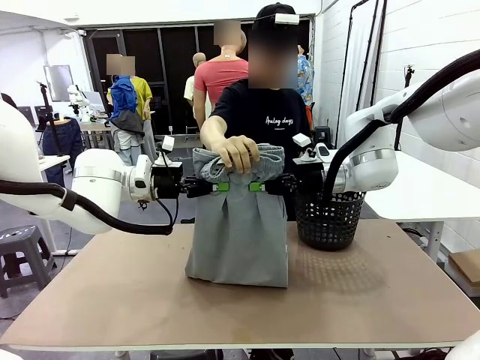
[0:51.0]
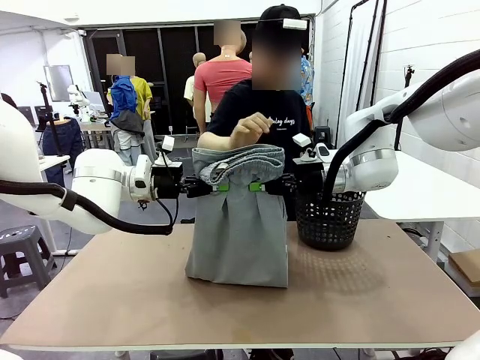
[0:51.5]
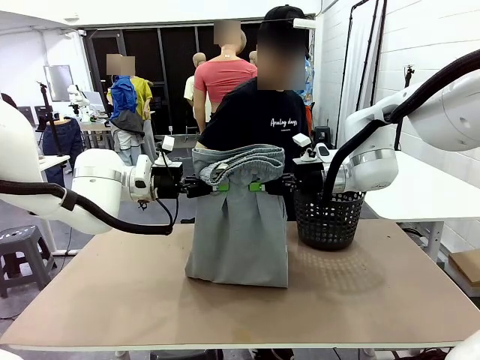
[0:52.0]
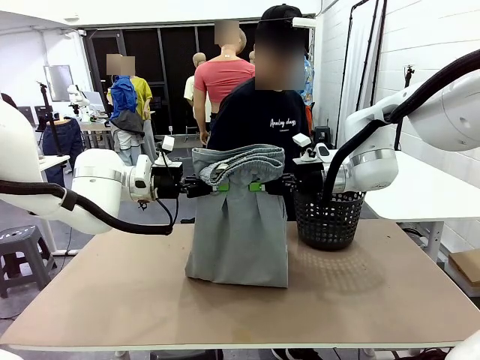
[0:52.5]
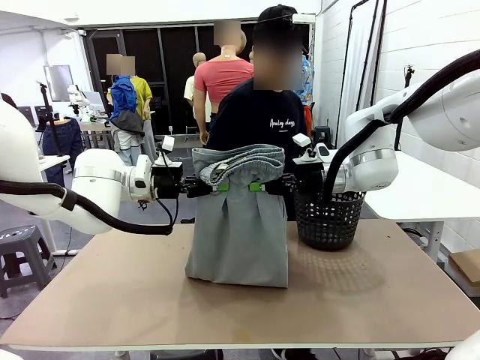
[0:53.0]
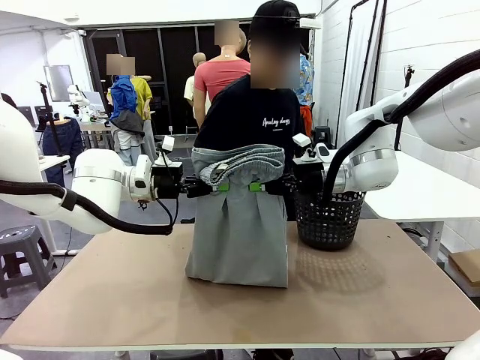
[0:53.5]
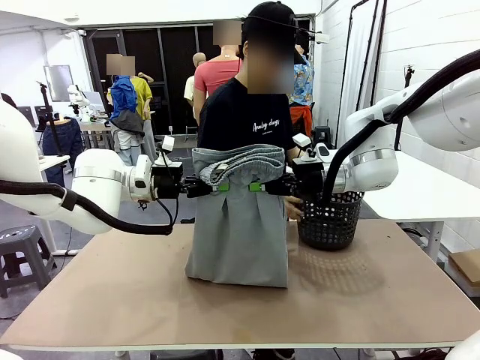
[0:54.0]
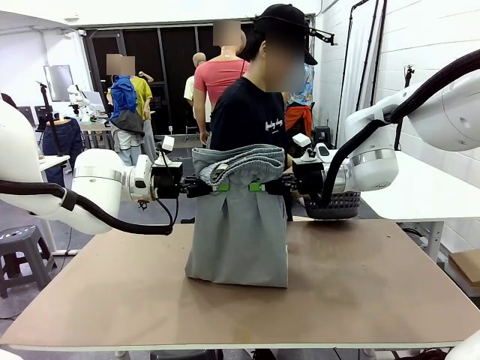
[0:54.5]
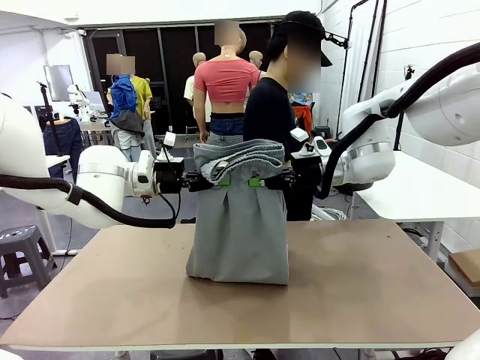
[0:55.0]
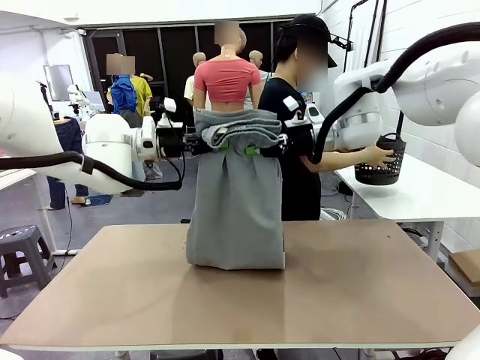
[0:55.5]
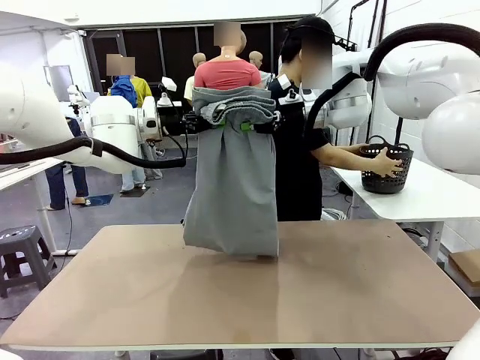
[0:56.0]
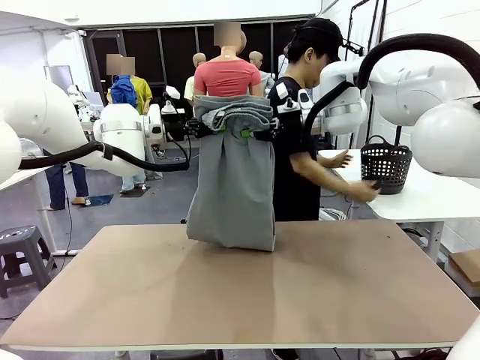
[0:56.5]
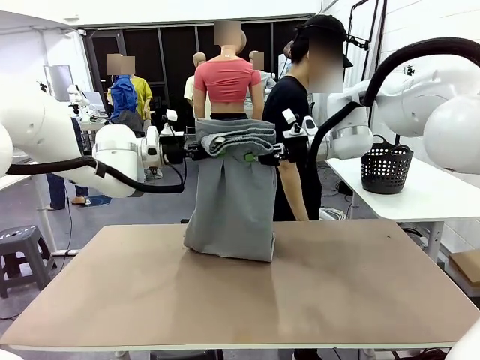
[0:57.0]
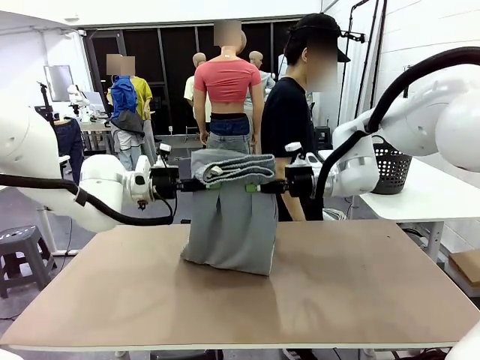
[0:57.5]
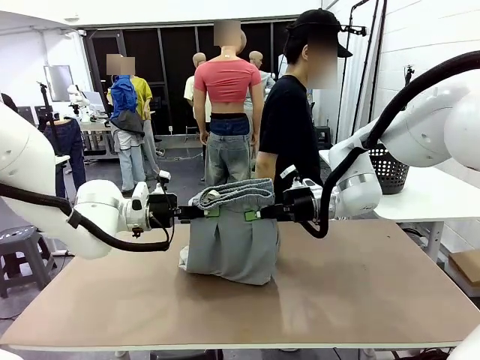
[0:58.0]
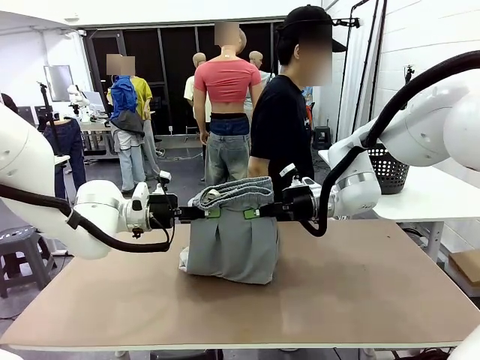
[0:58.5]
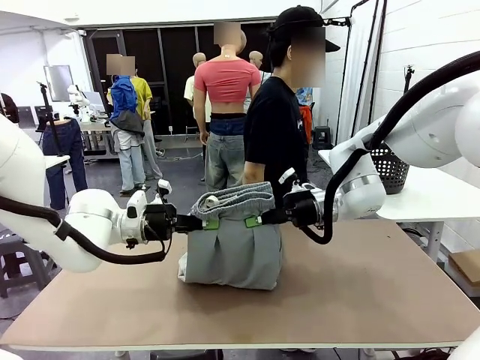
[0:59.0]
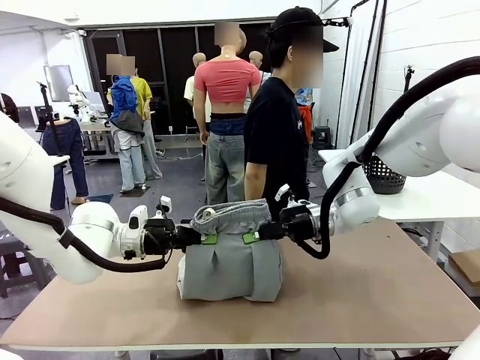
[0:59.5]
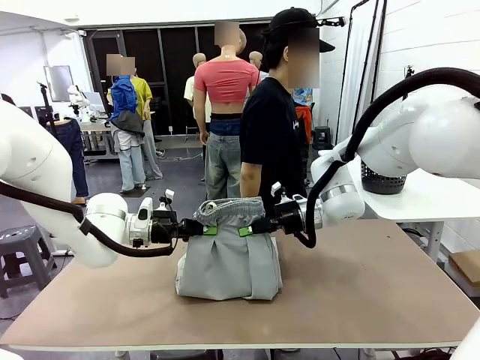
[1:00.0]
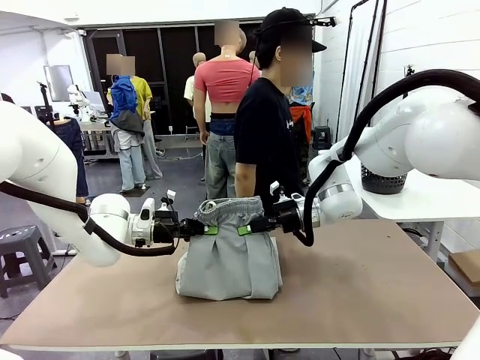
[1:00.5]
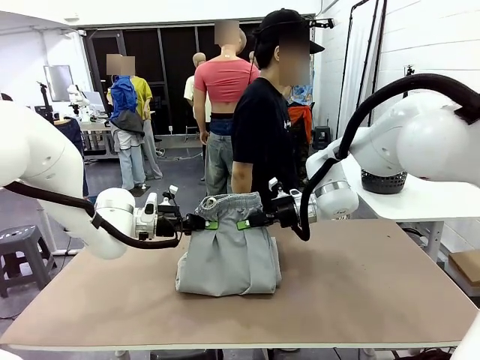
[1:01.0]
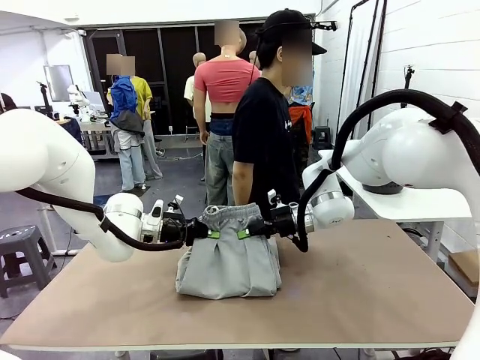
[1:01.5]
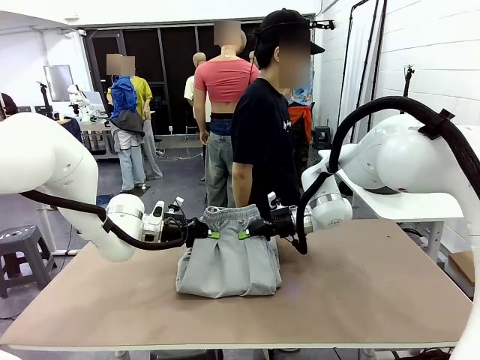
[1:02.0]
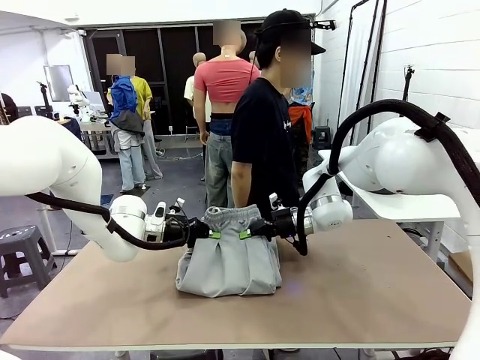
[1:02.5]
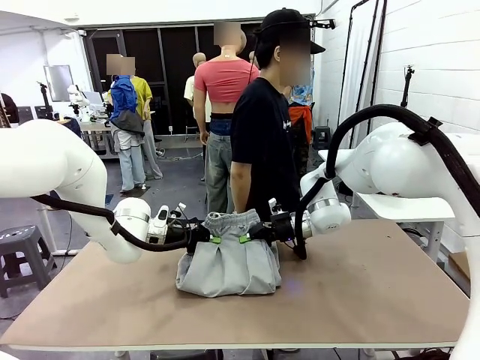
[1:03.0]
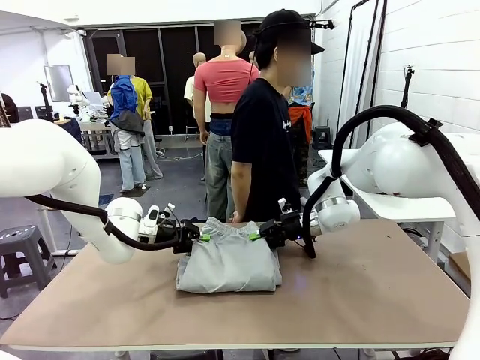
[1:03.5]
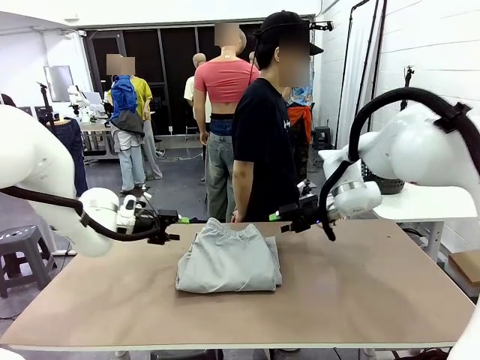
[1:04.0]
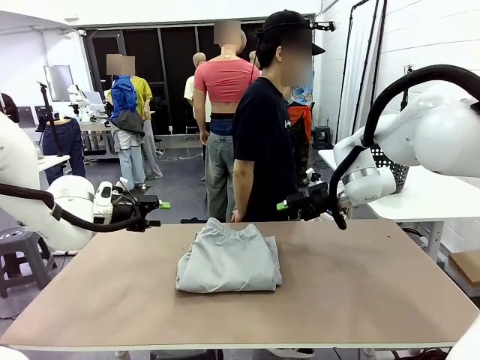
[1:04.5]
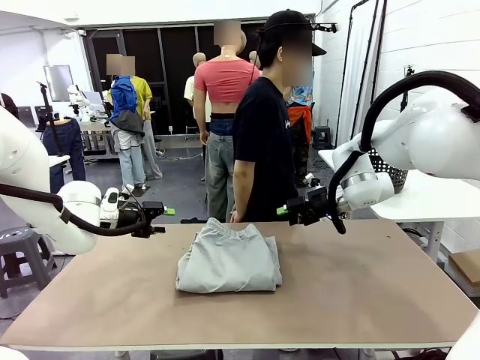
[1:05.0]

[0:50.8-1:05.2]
Task: Fold the training pants.
Robot: Fold the Training pants in half.
Person: Move the laundry basket to the right of the human table.

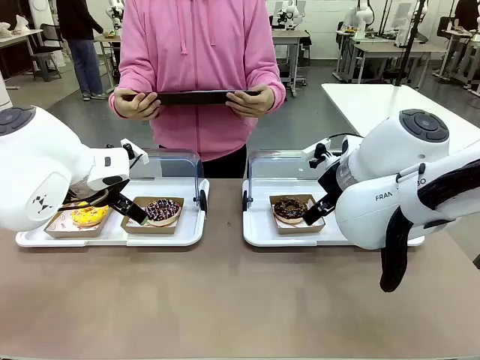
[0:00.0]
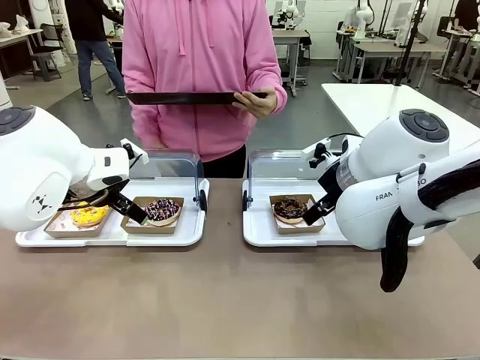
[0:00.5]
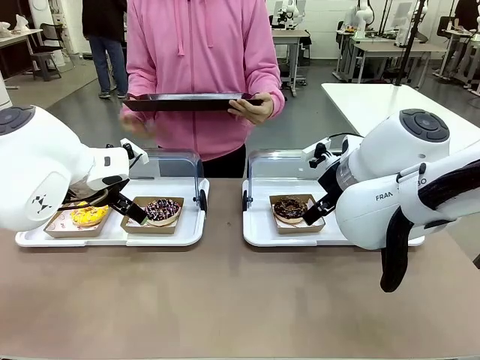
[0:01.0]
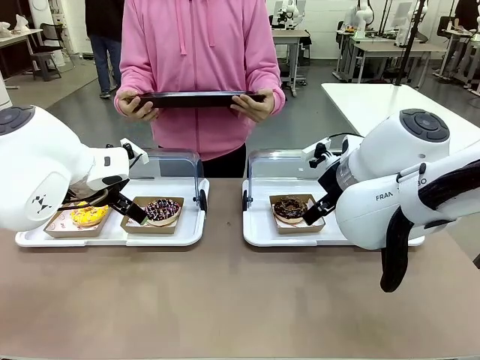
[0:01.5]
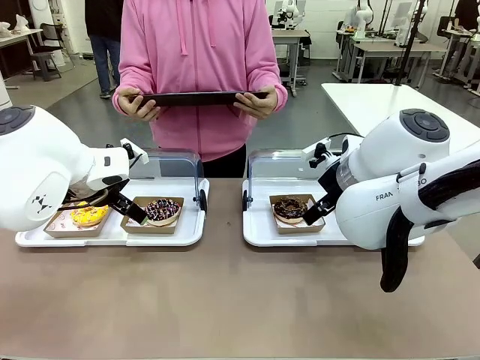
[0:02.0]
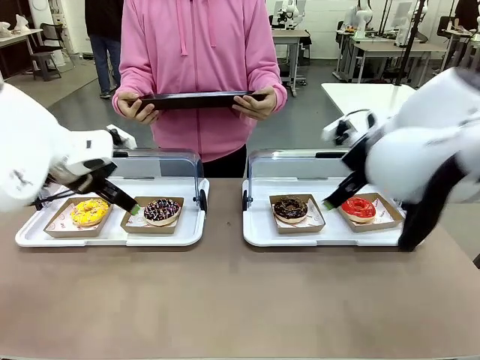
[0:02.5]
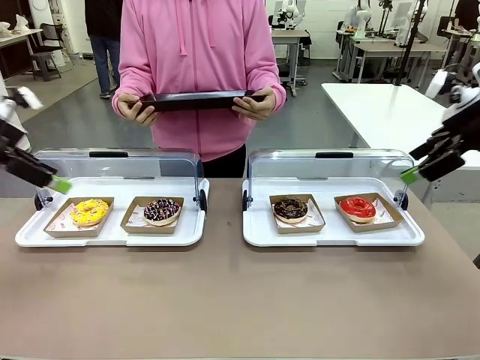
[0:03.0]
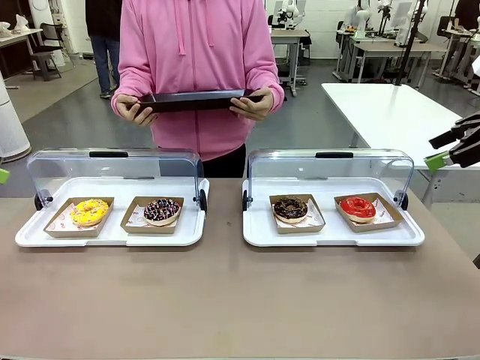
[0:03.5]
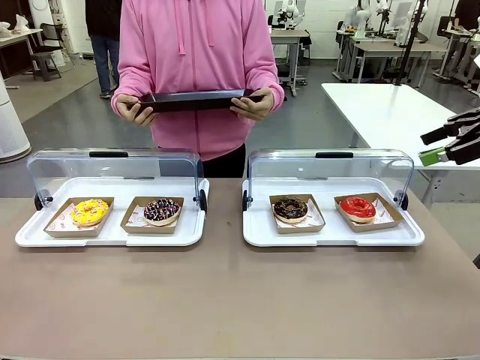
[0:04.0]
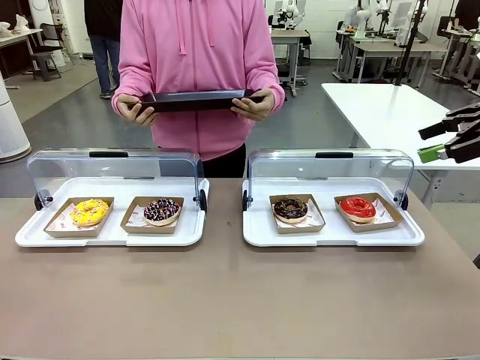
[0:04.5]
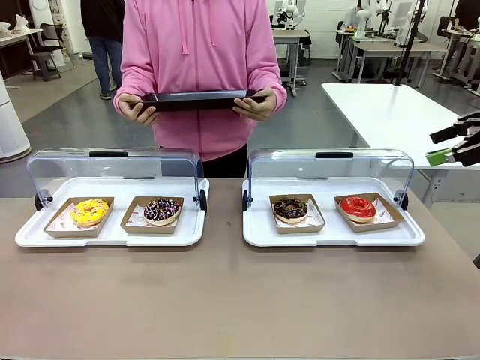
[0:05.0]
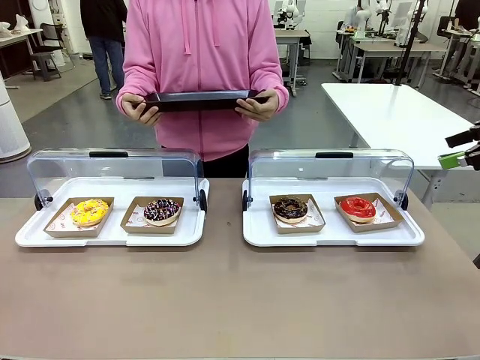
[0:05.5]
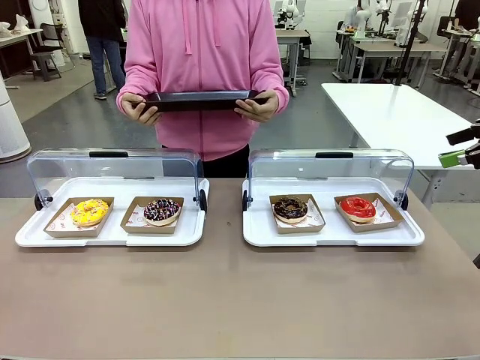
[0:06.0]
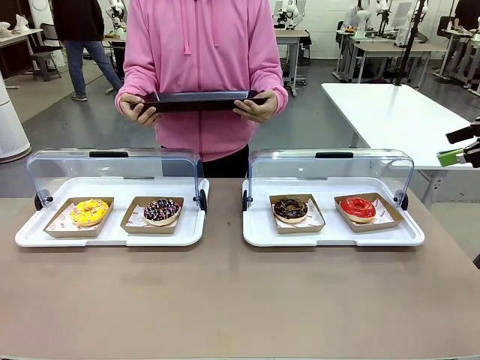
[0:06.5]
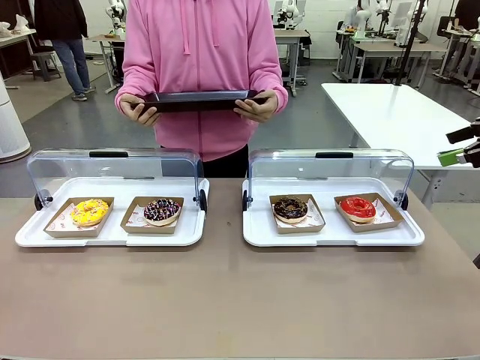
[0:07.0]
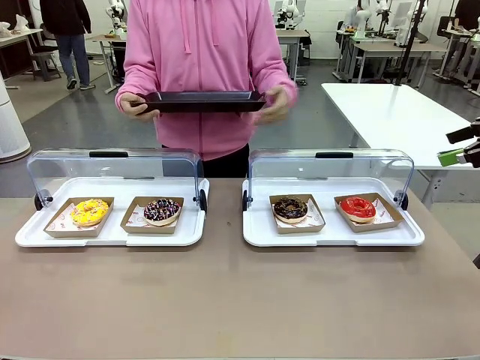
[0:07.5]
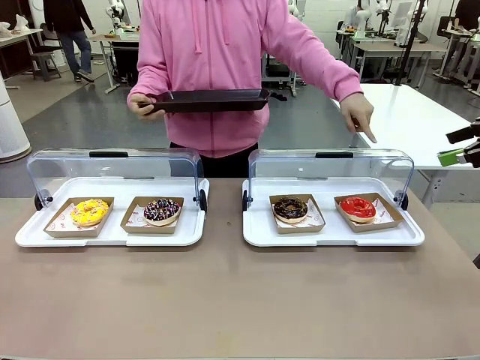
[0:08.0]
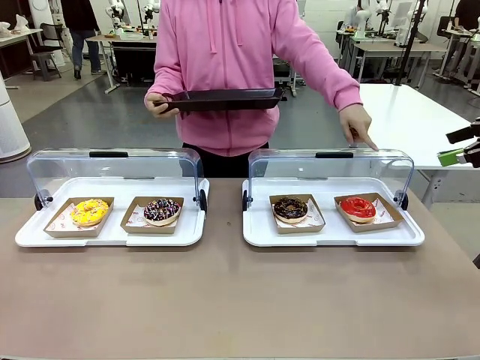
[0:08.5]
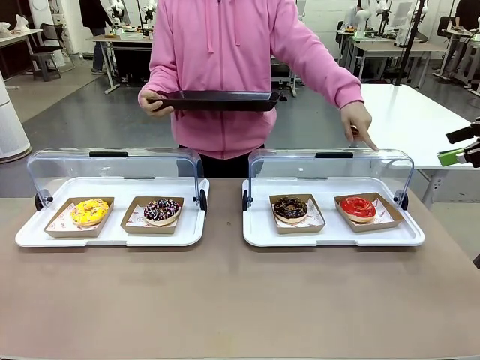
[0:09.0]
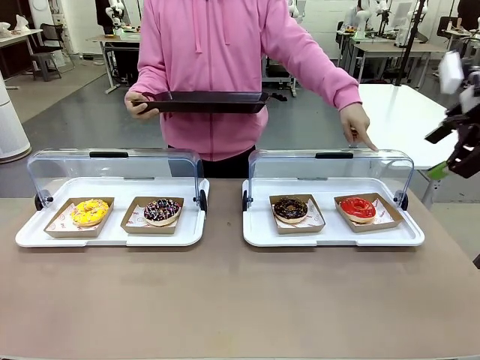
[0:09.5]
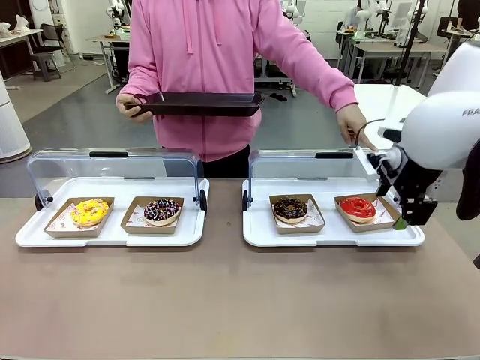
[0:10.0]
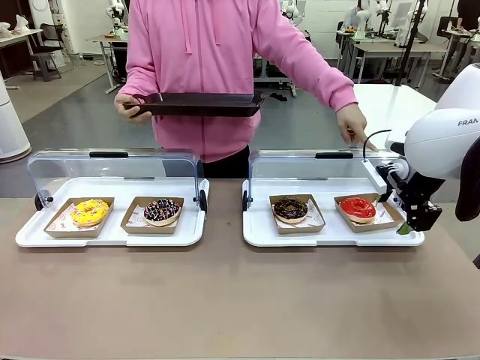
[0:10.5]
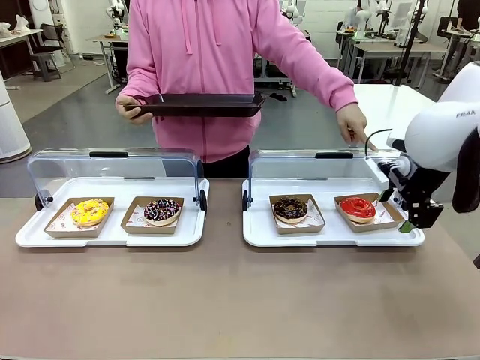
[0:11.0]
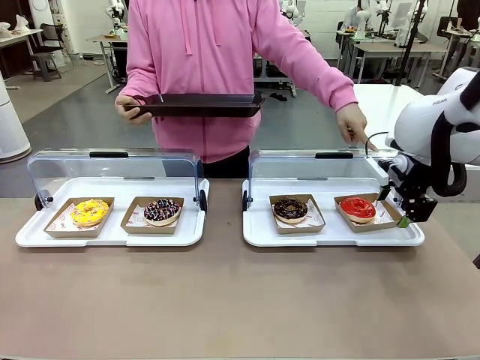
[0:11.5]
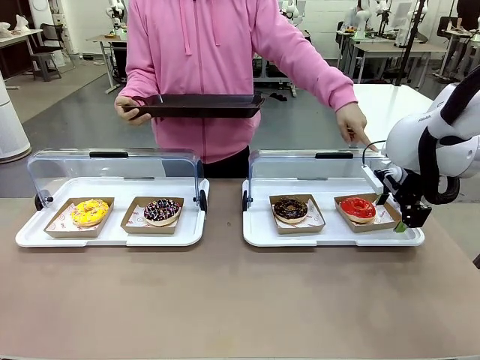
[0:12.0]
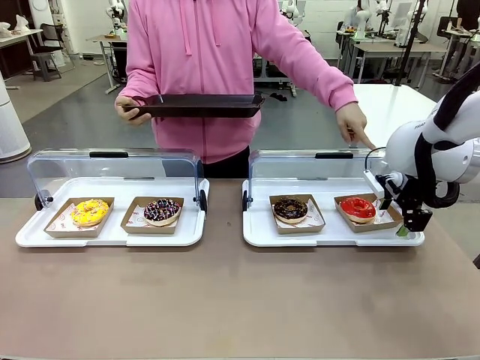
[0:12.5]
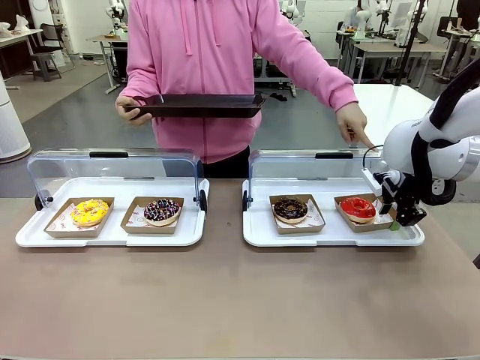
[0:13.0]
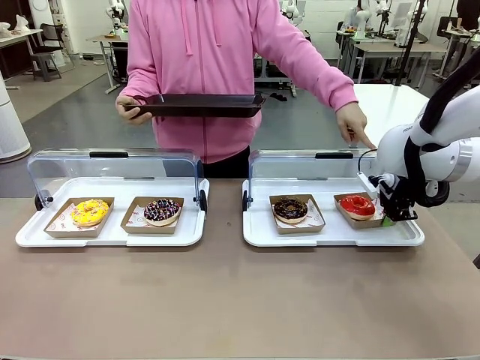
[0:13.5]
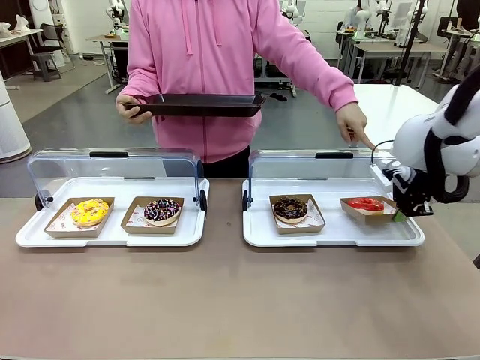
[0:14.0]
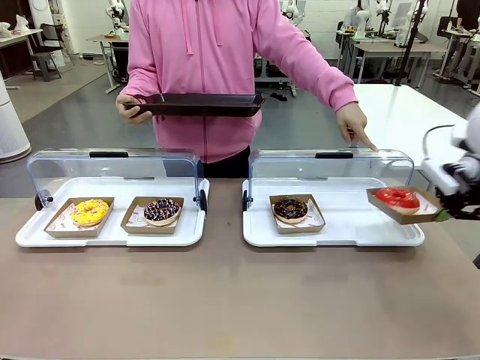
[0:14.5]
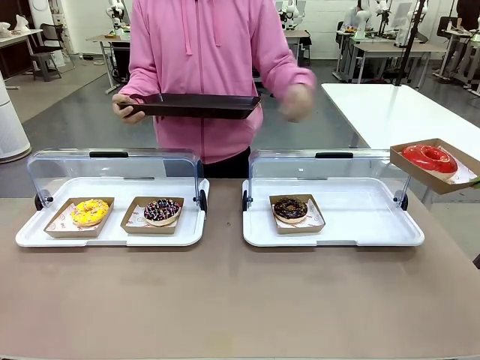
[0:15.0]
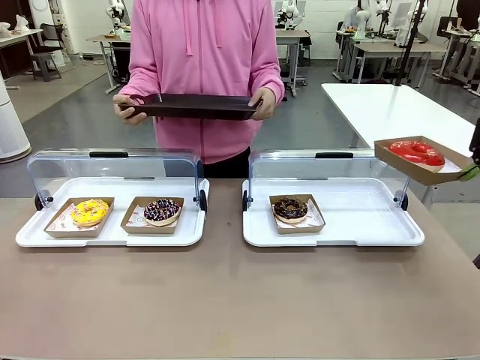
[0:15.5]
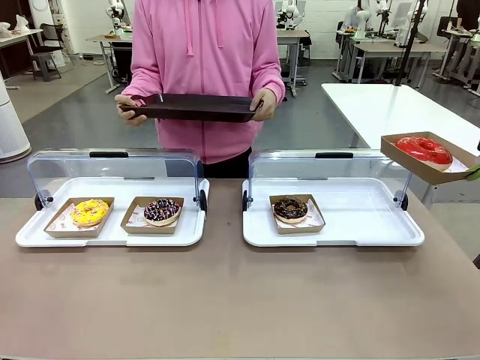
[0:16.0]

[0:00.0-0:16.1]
Task: Provide the desired donut to the person.
Robot: Pick up and lift the Paper togo box containing the Donut pointed at by the person.
Person: Point to one donut. Lift the tray onto the Roll-Top Bakery Case.
